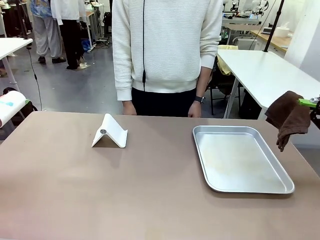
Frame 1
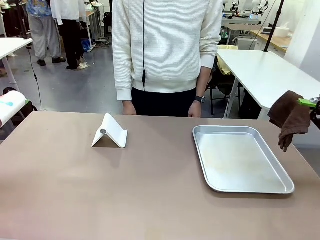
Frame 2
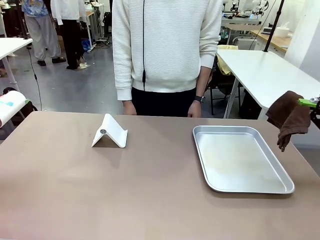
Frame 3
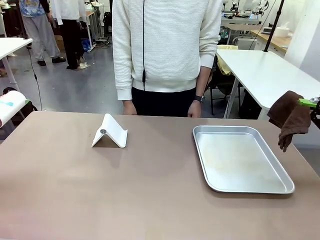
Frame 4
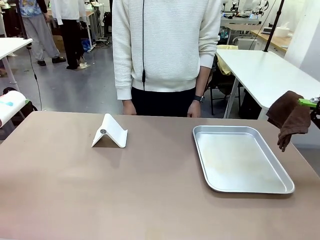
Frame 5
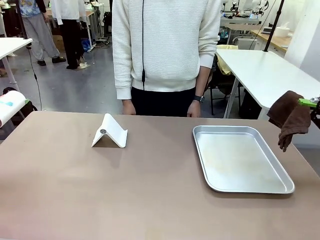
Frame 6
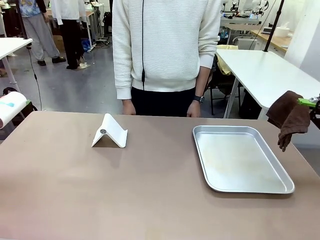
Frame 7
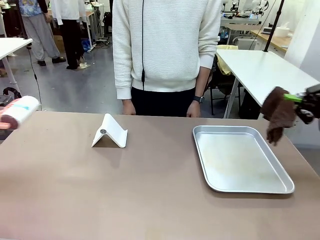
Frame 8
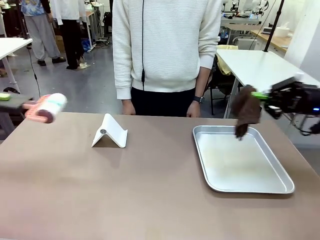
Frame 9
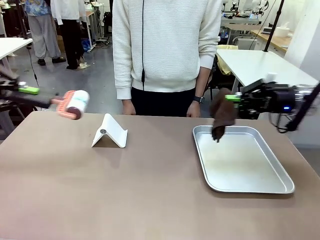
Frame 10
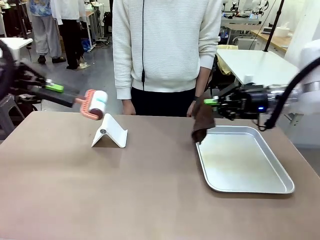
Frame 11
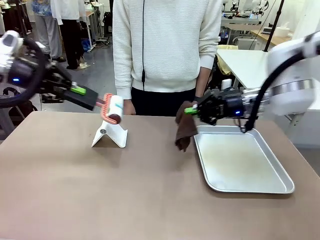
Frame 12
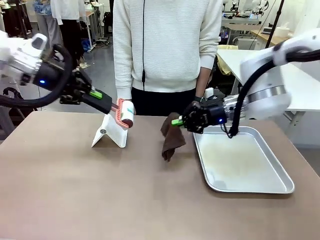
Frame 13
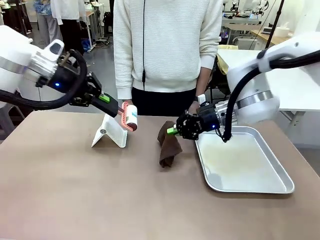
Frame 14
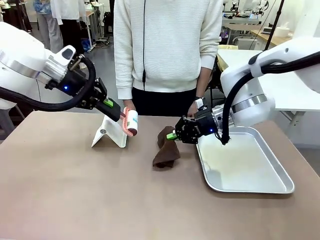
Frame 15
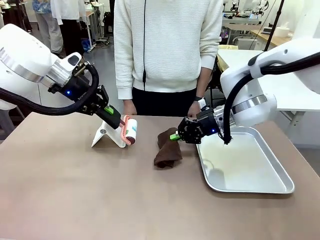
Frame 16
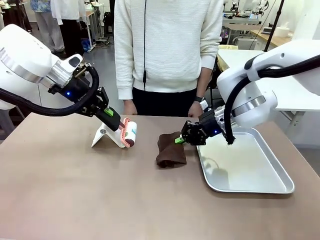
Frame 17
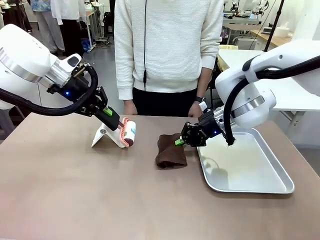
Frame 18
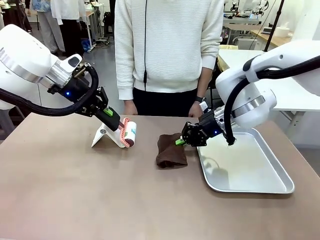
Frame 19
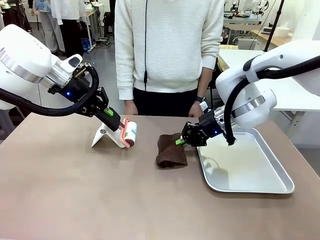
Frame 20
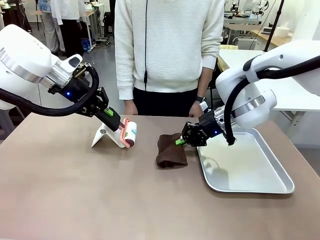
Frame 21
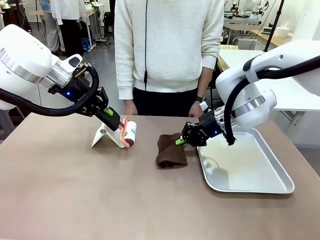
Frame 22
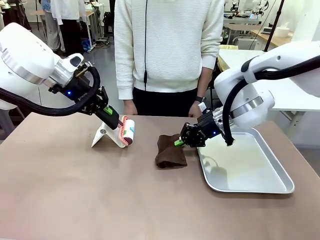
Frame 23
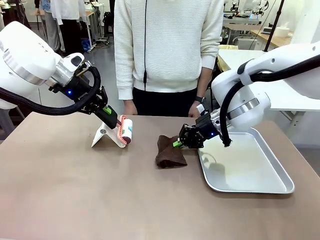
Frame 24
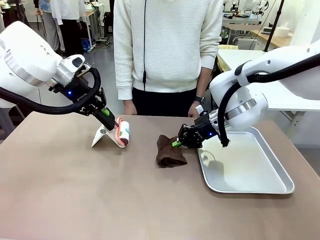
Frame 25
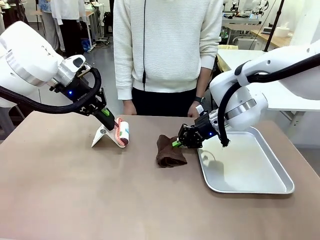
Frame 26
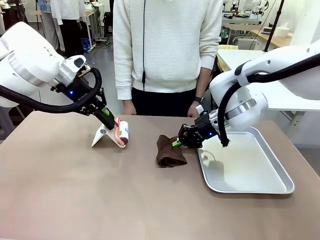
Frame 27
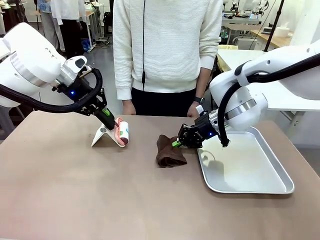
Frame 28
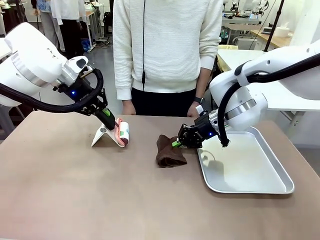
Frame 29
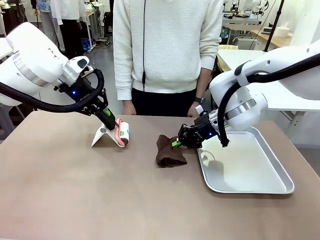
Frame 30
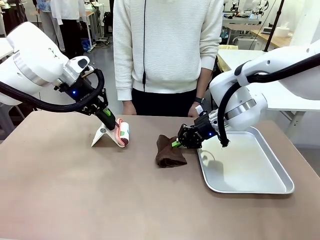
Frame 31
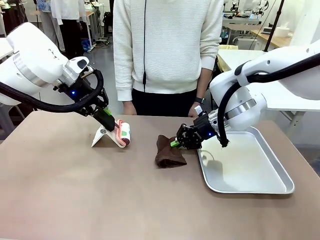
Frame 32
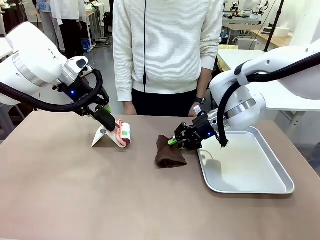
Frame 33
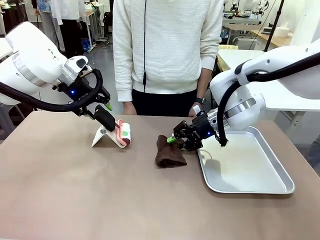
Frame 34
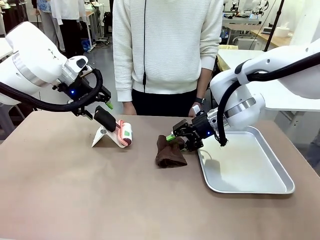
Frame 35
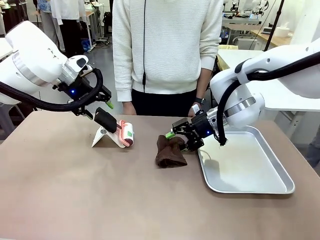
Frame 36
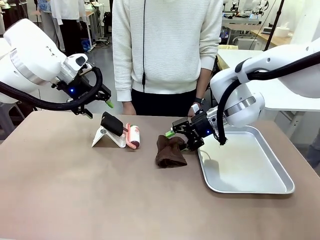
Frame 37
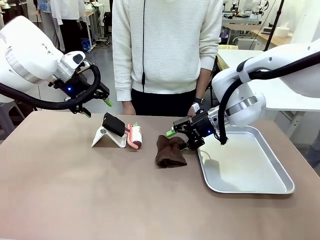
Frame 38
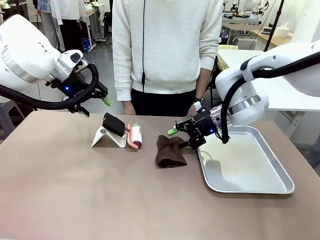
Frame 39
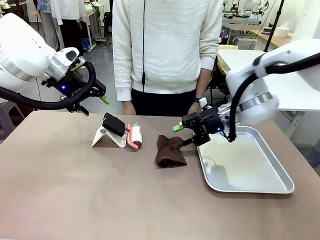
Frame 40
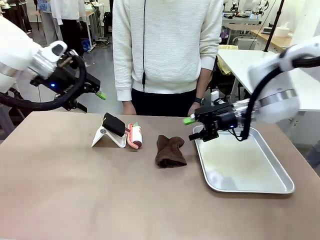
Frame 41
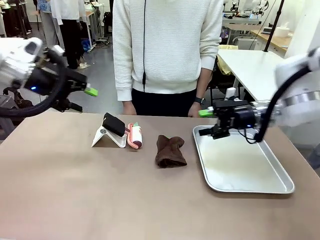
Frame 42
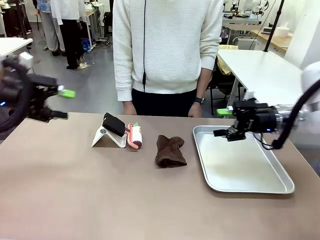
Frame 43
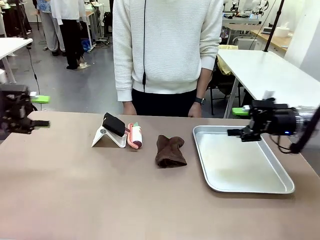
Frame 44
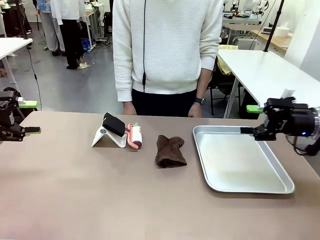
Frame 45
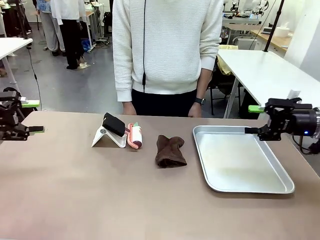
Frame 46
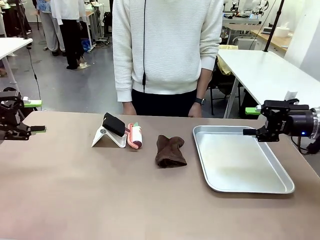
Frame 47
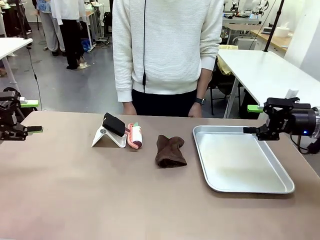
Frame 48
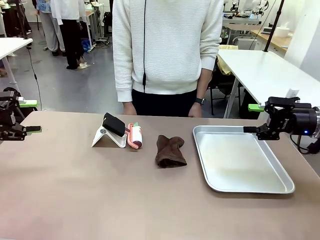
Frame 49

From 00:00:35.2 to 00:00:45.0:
Task: Clean the surface of the table.
Robot: Return the Lint Roller and towel to their original positions.

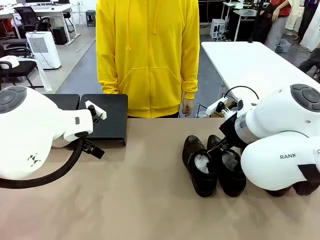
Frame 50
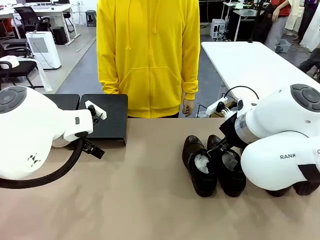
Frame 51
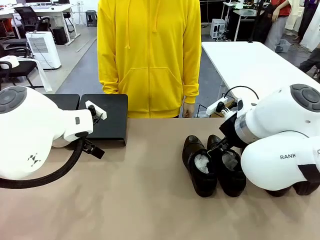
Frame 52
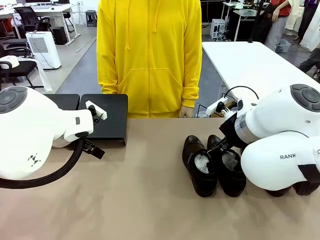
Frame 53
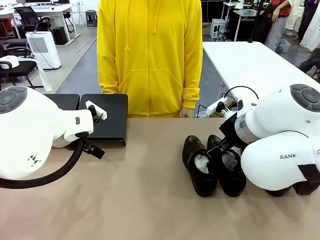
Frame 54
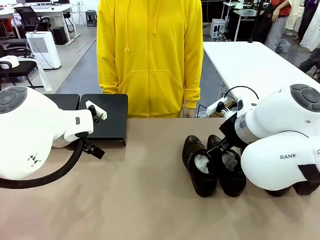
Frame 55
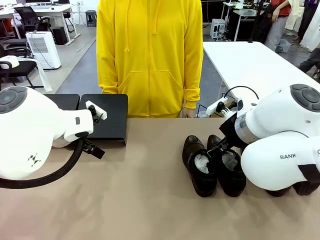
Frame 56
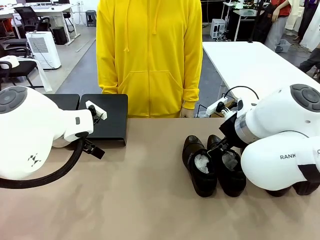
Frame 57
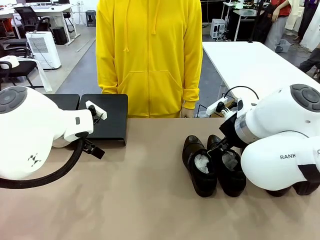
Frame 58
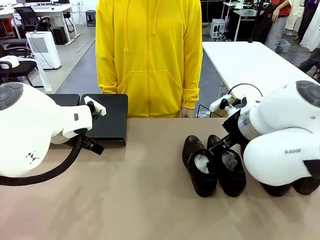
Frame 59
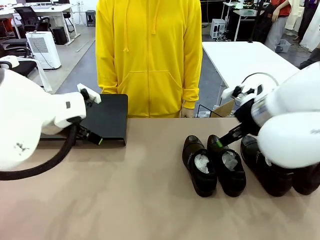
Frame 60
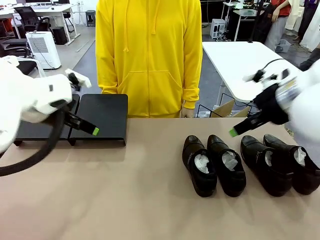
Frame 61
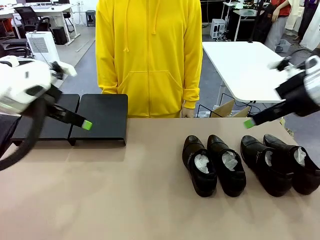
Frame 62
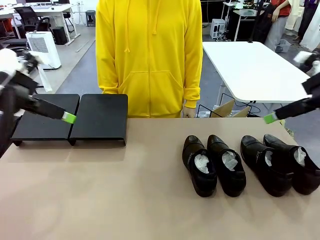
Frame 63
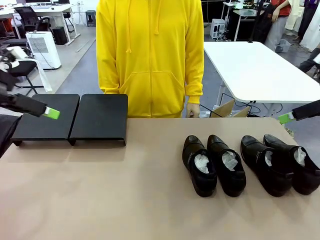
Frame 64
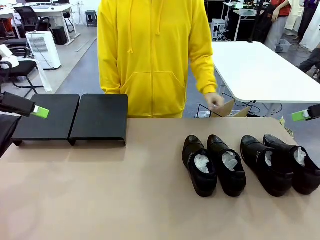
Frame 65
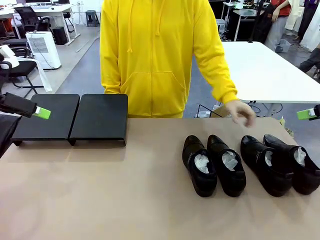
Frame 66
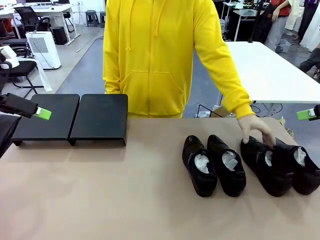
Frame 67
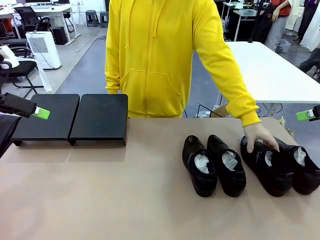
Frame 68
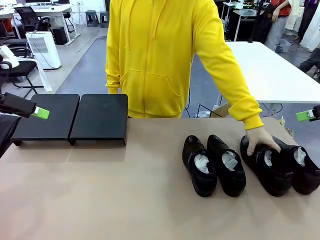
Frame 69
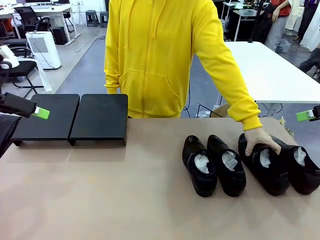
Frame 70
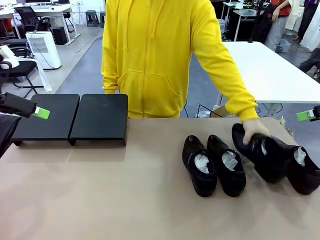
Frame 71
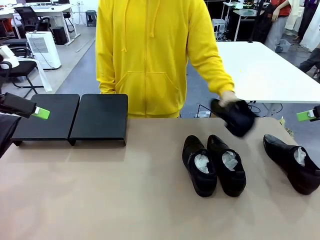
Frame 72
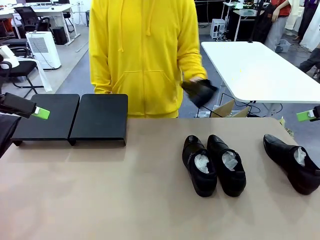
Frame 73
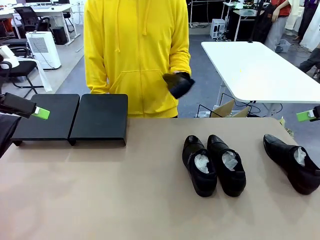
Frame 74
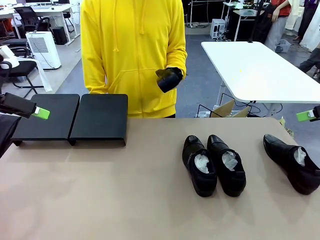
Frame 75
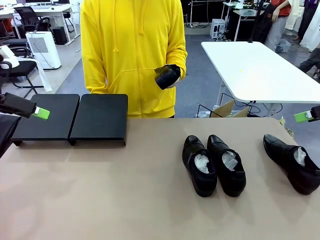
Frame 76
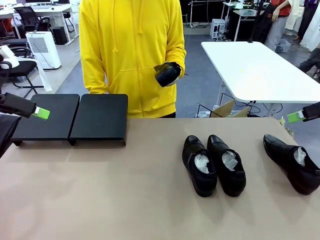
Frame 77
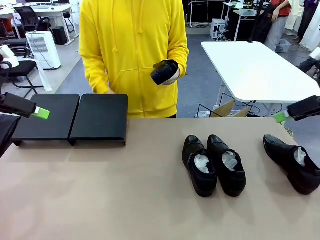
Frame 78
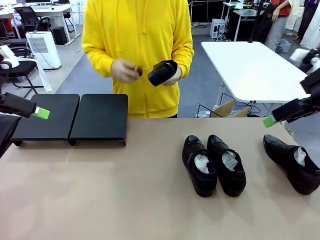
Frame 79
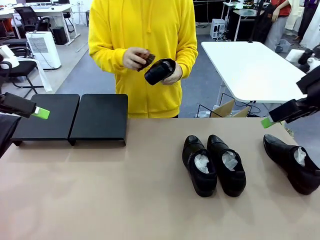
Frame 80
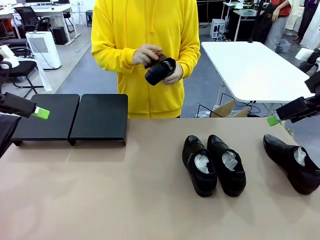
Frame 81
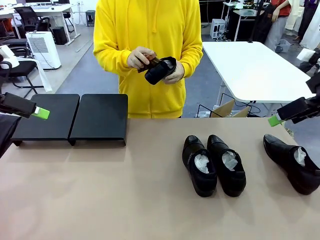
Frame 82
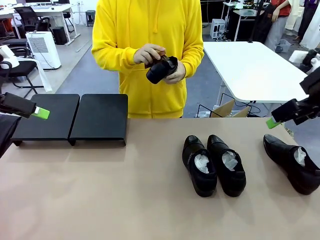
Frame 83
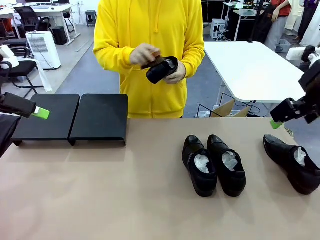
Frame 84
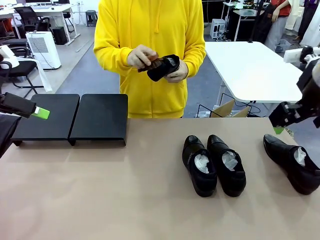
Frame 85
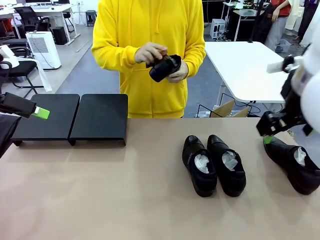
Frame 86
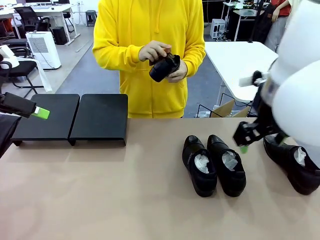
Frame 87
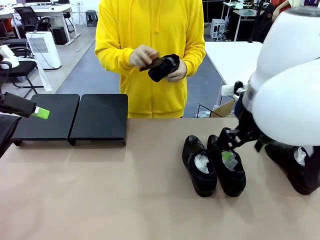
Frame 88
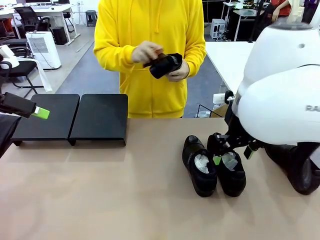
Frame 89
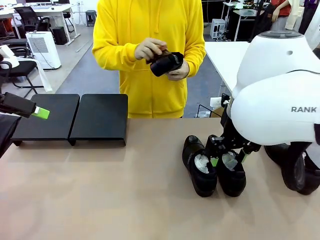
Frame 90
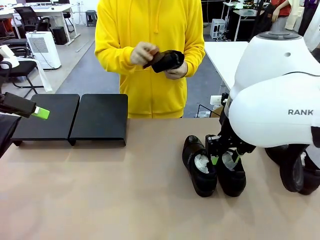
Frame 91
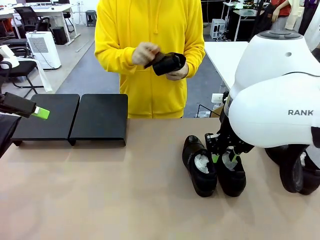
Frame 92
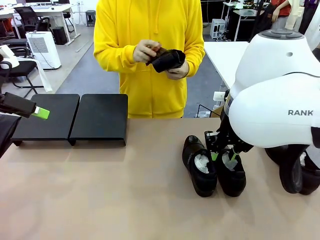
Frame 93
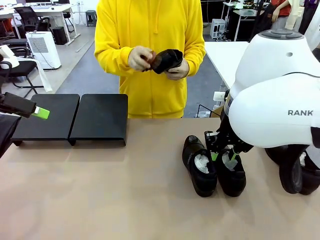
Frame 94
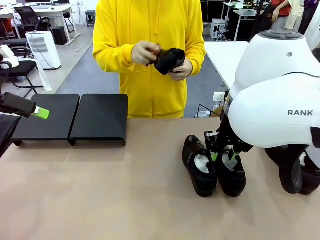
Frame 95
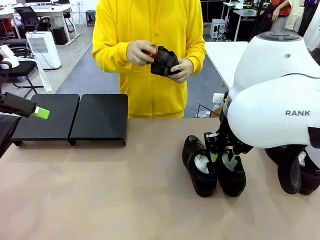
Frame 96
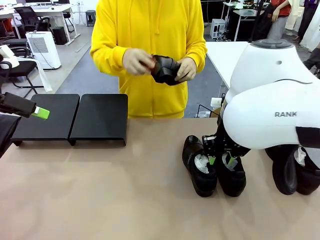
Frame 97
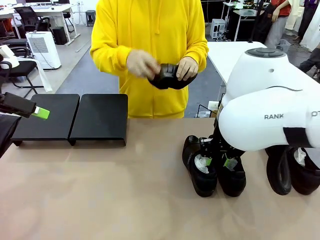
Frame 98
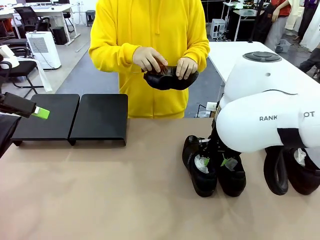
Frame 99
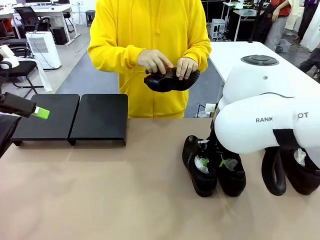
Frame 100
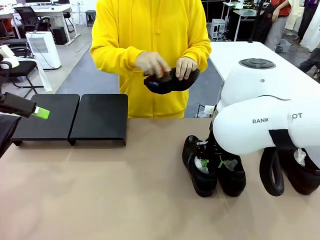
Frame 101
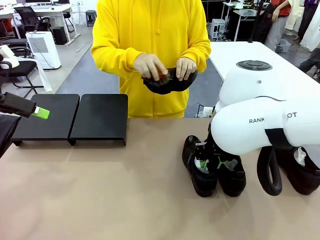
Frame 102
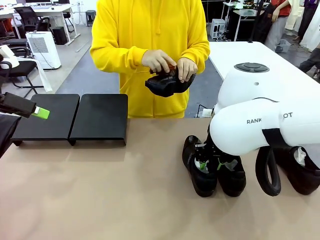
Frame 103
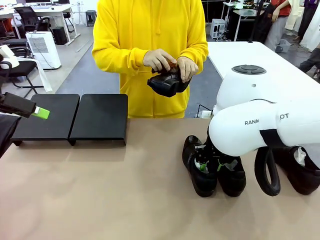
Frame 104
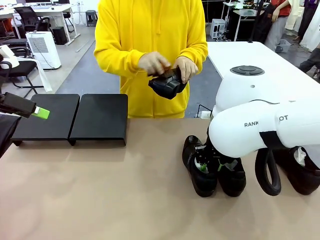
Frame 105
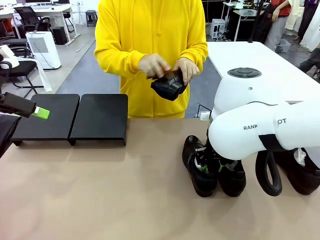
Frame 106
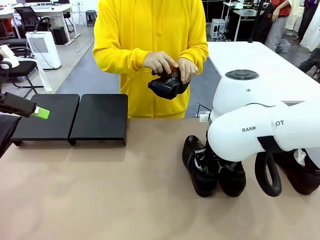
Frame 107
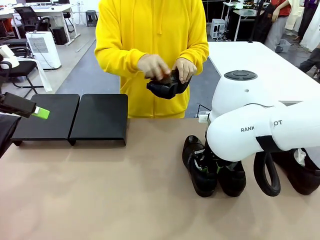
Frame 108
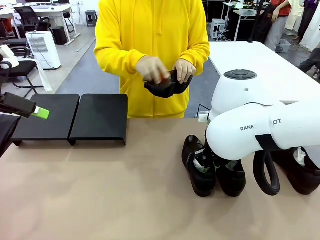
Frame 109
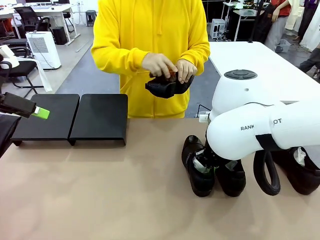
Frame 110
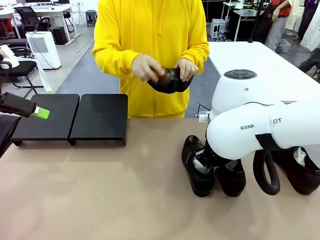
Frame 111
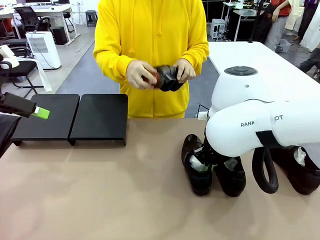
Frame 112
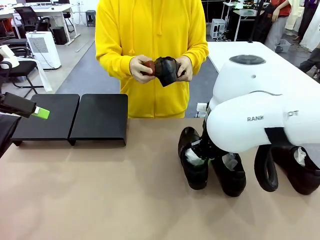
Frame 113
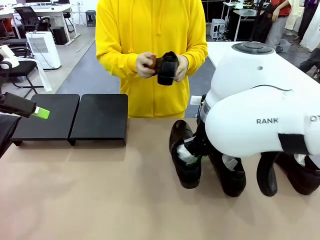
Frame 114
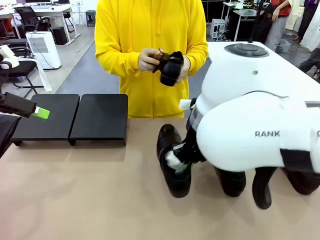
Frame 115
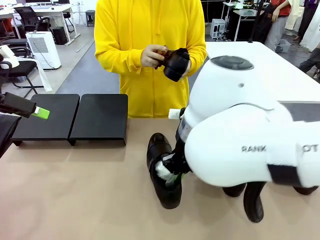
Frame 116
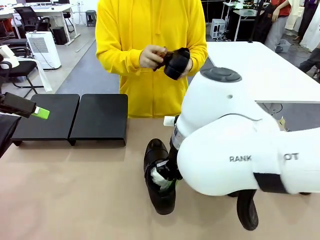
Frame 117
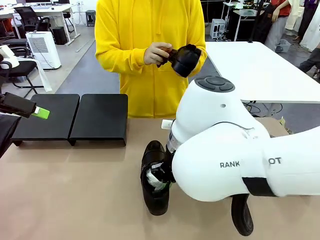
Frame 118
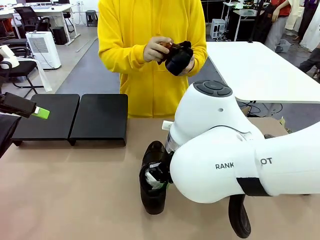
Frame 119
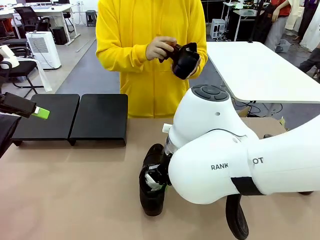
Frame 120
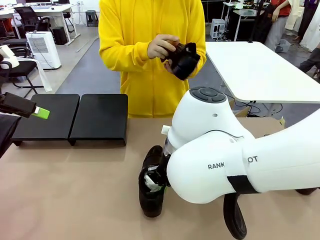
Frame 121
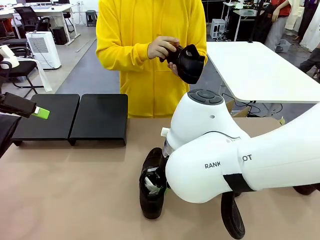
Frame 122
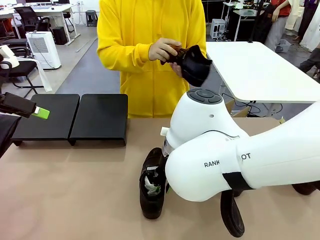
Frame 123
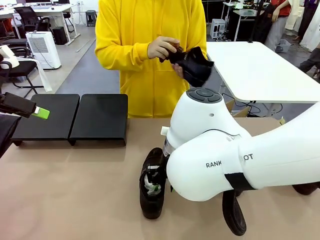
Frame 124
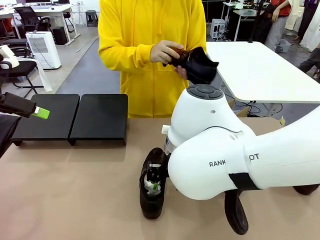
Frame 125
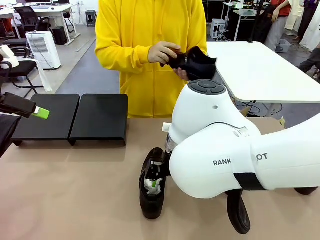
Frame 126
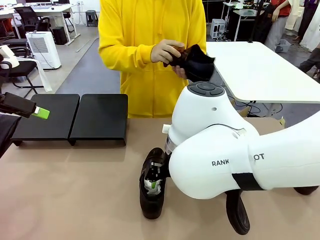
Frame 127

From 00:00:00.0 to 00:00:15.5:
Task: Organize the shoes by placing them on the stand.
Robot: Pick up one Shoe and place it in the middle of the table.
Person: Pick one Shoe on Robot's table. Clean the Shoe with the Shoe Brush.
